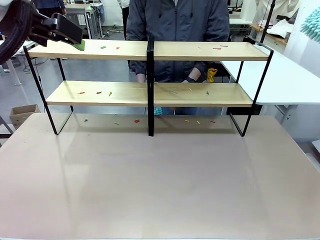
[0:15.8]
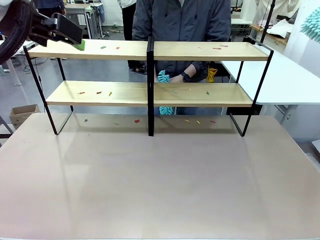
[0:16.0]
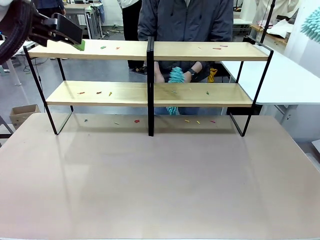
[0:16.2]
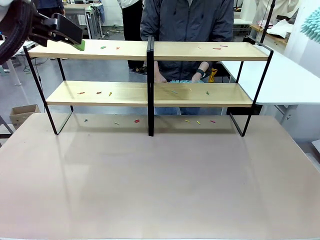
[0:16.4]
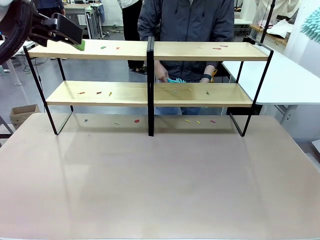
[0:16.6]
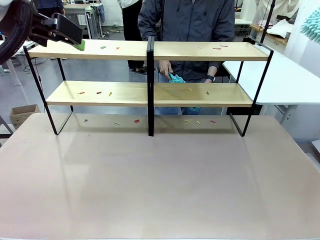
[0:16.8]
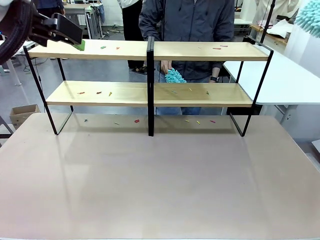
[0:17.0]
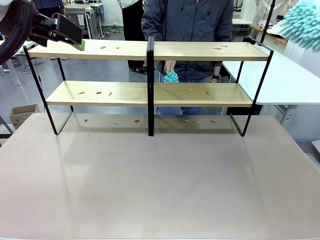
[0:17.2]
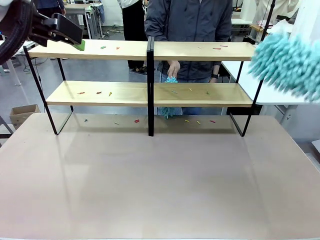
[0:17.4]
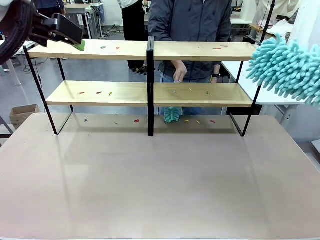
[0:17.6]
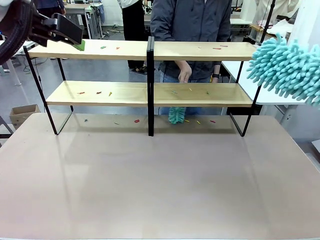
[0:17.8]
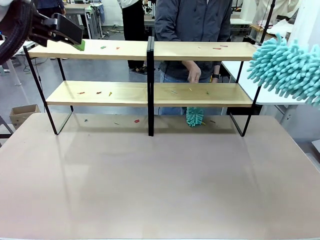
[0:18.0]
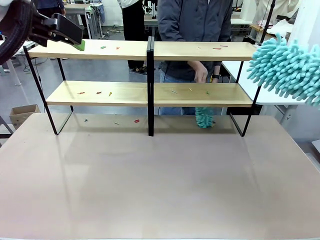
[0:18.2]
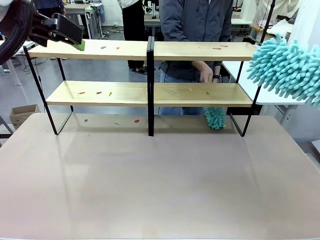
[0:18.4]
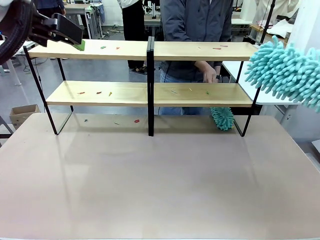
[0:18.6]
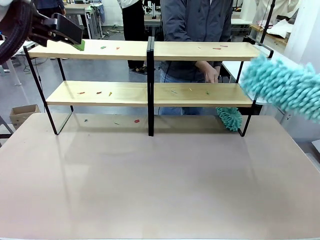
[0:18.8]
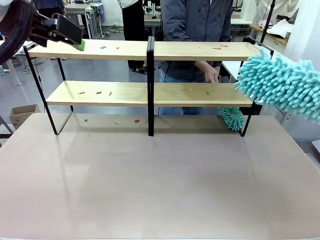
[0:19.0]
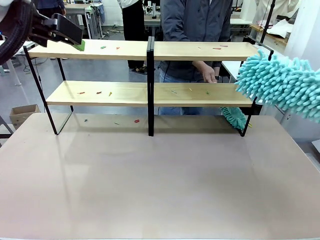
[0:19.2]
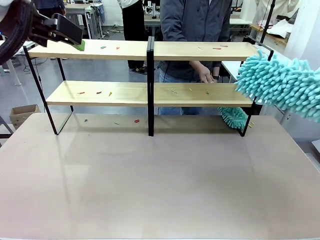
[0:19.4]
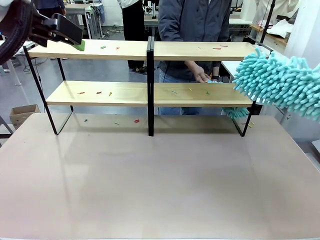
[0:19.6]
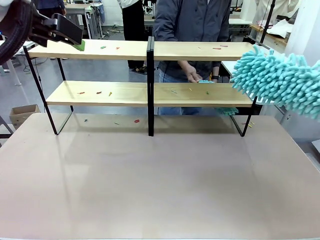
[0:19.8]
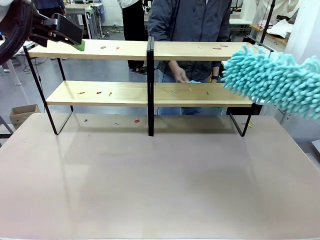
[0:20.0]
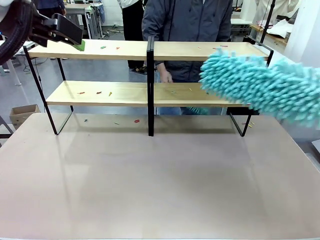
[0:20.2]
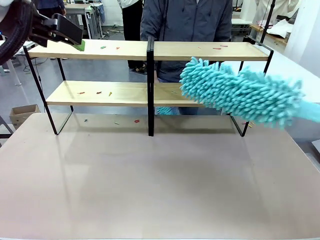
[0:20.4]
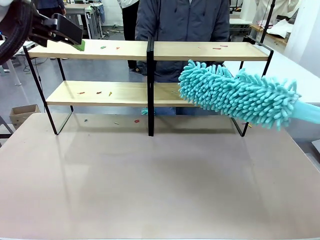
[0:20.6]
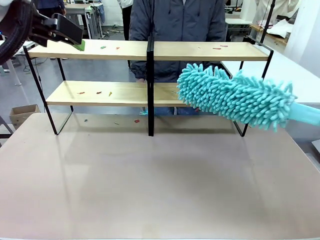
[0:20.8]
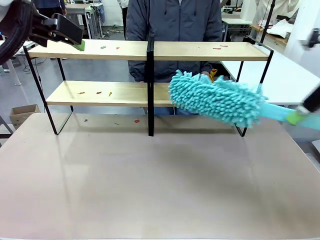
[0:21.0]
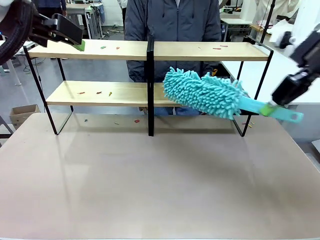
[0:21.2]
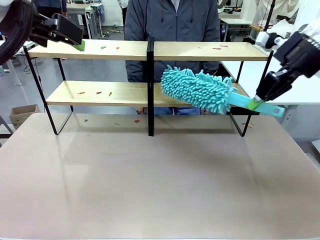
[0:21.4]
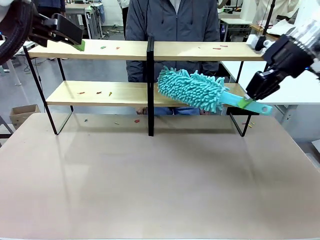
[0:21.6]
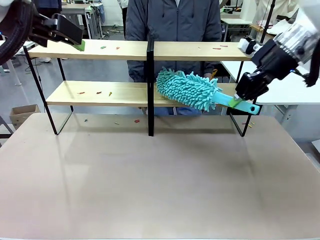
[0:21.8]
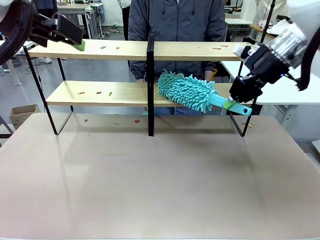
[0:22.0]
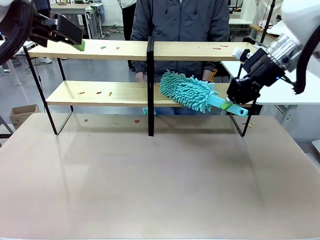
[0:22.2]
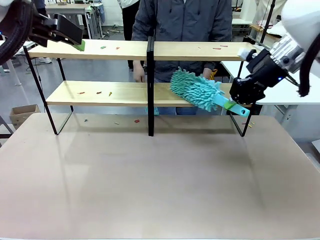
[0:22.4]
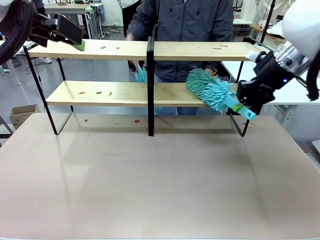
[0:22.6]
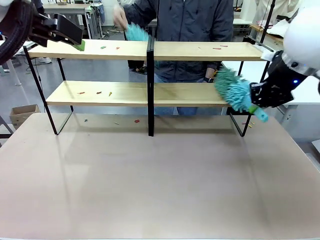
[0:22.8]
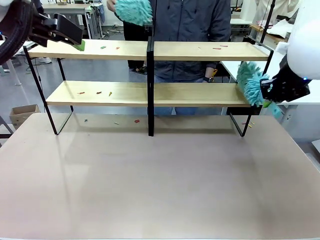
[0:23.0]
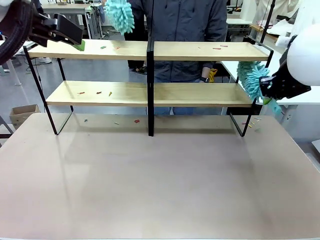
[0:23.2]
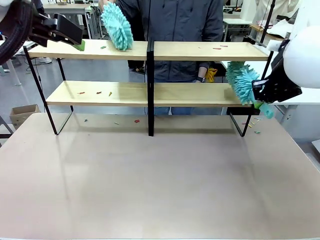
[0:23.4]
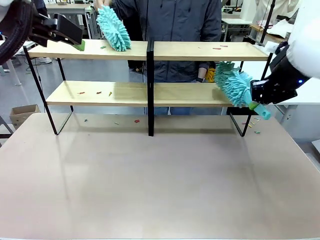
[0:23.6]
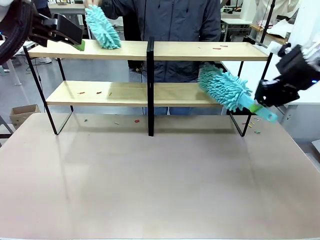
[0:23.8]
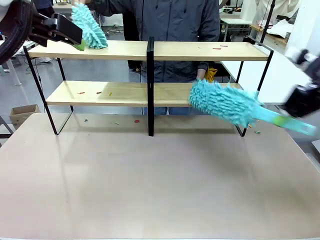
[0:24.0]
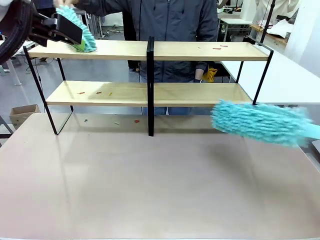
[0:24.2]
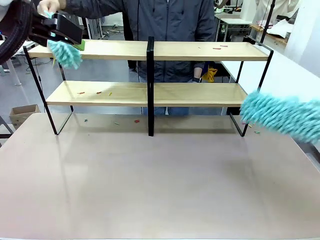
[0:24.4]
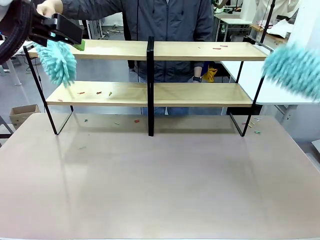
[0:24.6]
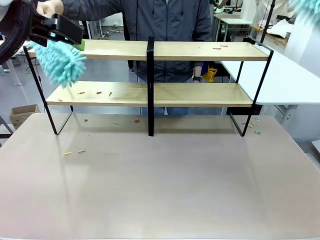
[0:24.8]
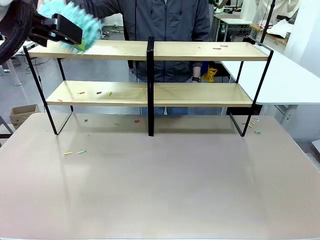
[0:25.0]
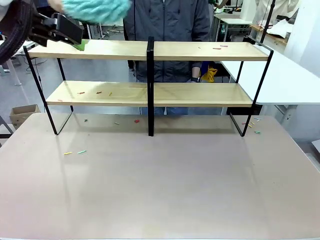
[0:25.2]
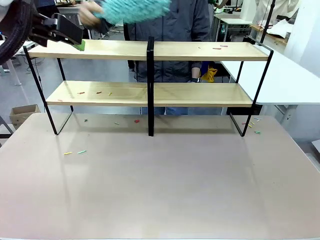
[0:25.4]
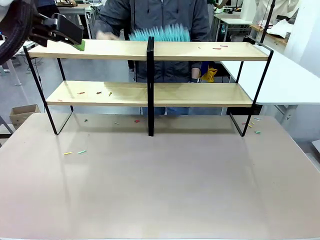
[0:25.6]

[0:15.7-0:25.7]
Task: Clean the shelves.
Robot: Clean a randomly selected level of the Shelf with the Duster.

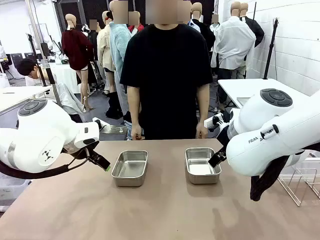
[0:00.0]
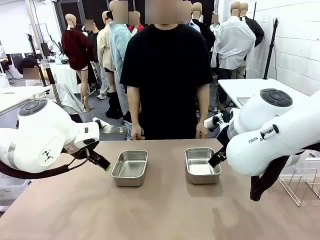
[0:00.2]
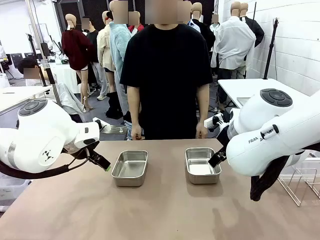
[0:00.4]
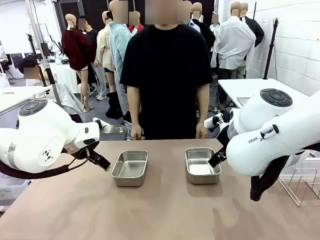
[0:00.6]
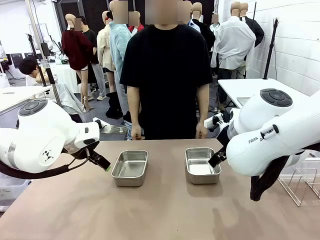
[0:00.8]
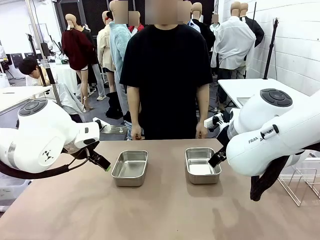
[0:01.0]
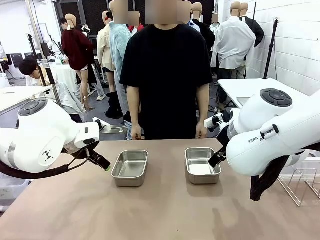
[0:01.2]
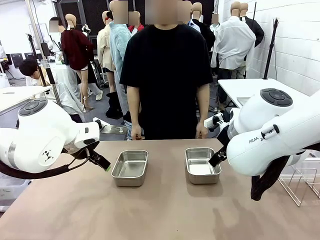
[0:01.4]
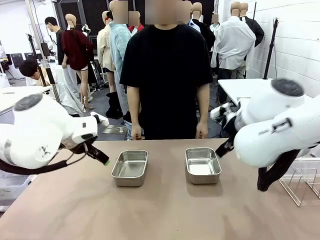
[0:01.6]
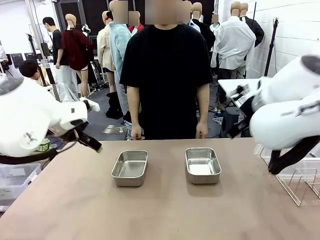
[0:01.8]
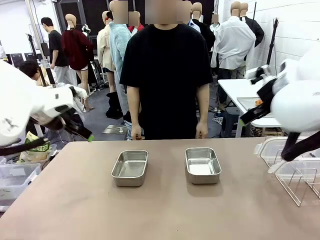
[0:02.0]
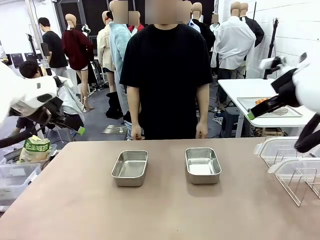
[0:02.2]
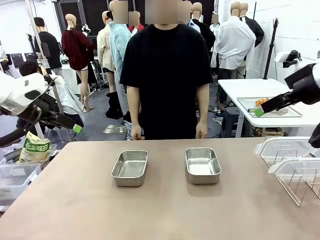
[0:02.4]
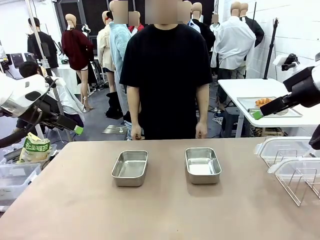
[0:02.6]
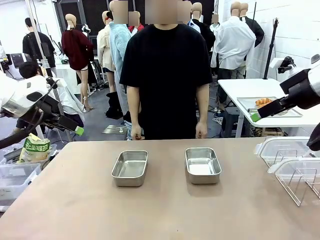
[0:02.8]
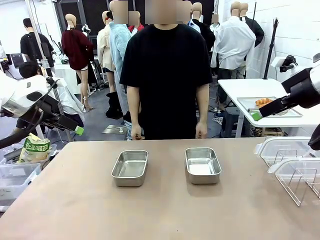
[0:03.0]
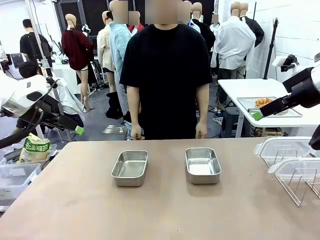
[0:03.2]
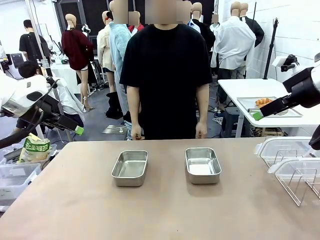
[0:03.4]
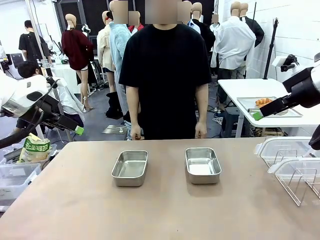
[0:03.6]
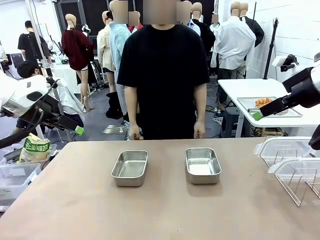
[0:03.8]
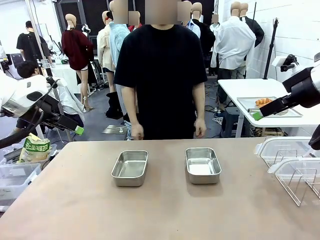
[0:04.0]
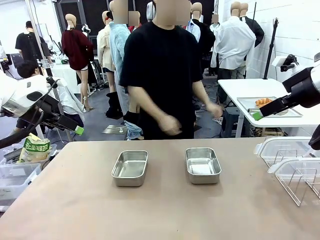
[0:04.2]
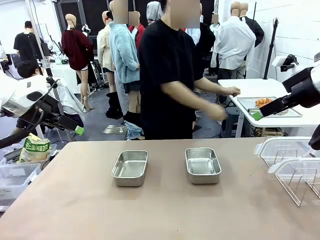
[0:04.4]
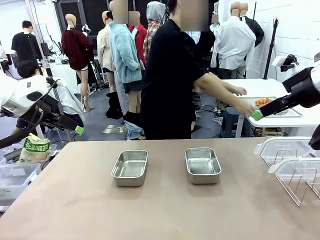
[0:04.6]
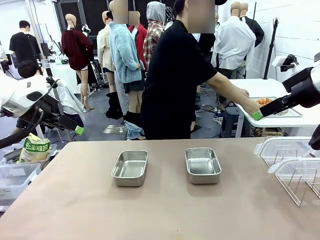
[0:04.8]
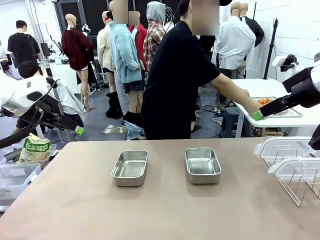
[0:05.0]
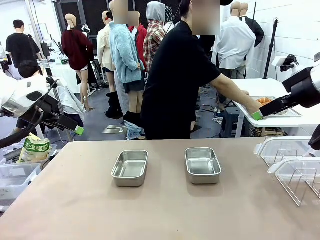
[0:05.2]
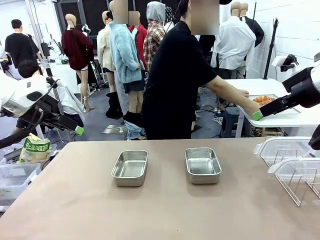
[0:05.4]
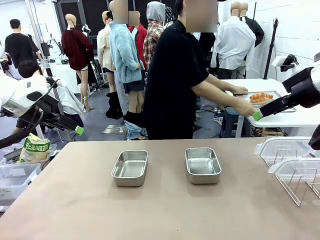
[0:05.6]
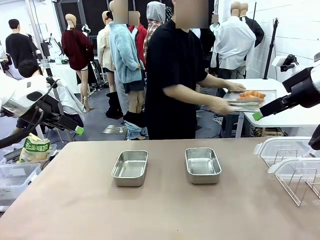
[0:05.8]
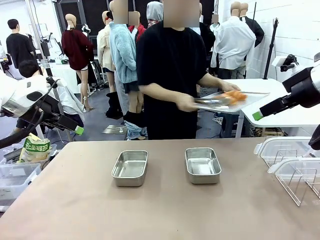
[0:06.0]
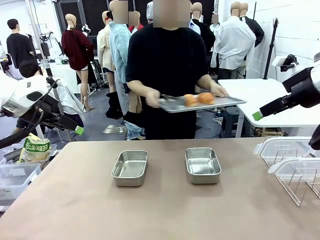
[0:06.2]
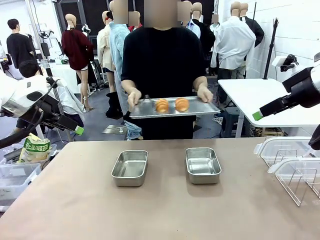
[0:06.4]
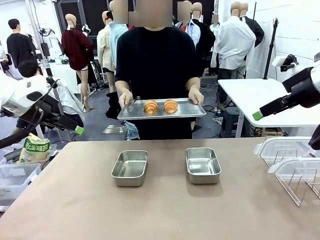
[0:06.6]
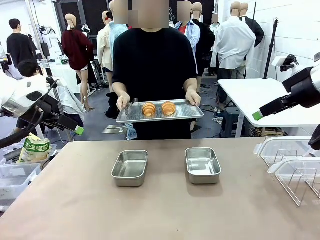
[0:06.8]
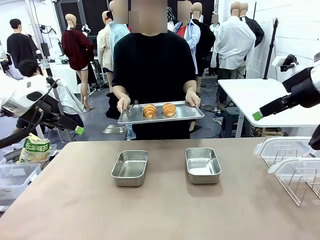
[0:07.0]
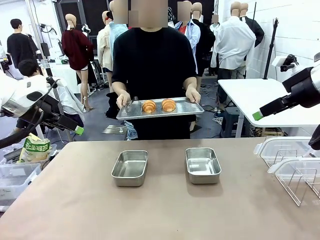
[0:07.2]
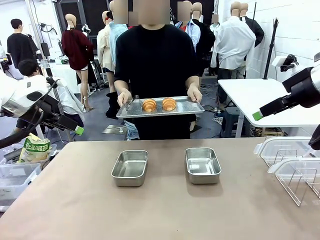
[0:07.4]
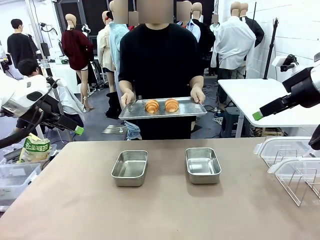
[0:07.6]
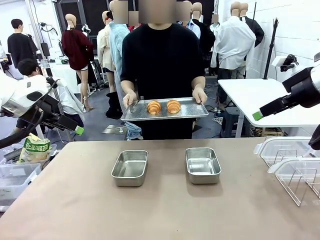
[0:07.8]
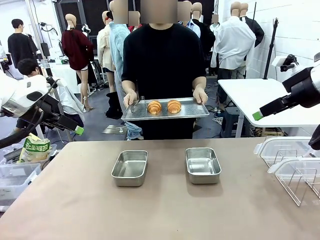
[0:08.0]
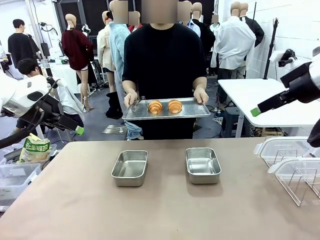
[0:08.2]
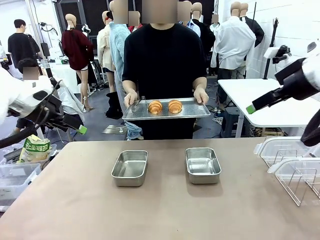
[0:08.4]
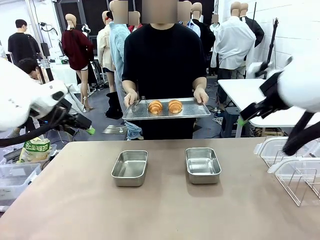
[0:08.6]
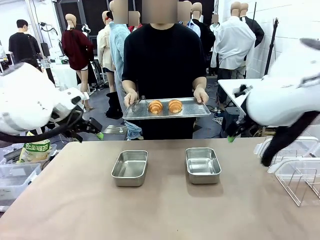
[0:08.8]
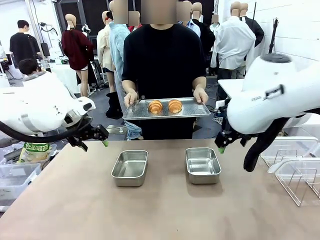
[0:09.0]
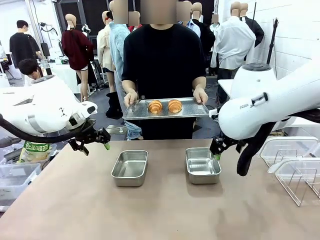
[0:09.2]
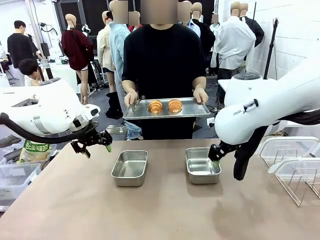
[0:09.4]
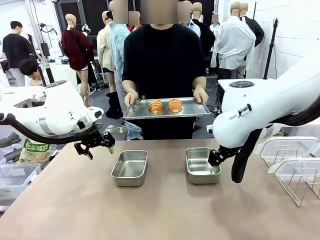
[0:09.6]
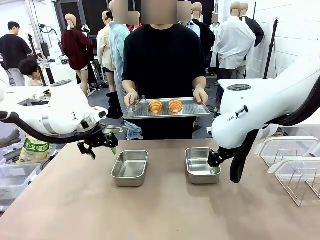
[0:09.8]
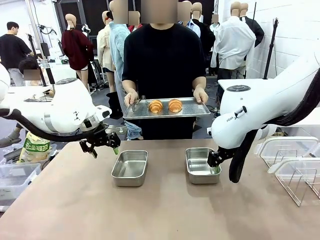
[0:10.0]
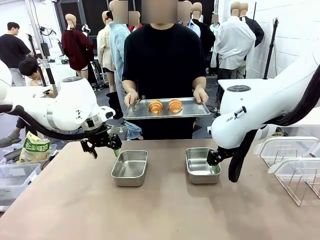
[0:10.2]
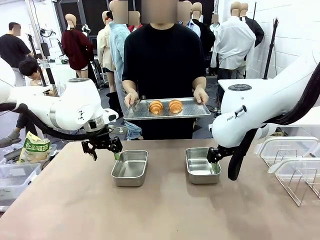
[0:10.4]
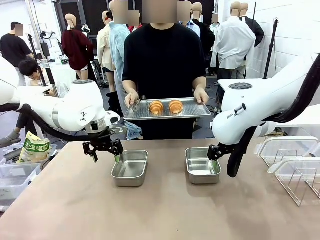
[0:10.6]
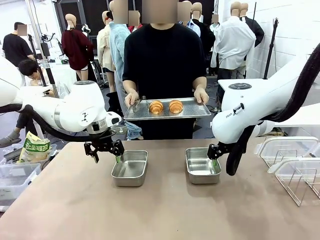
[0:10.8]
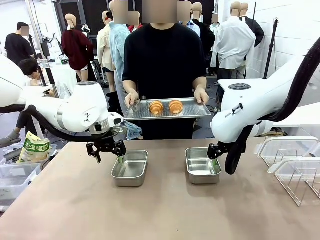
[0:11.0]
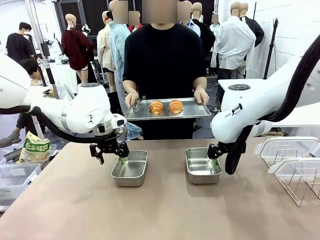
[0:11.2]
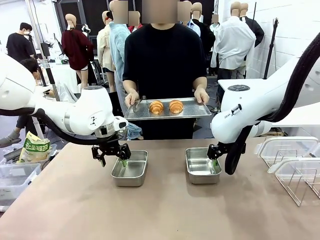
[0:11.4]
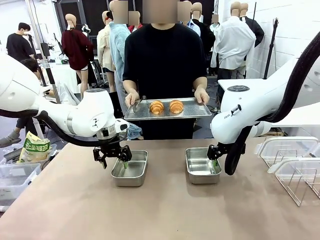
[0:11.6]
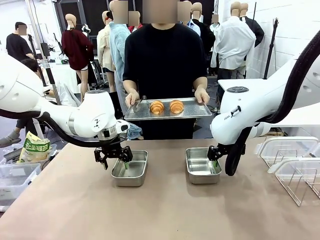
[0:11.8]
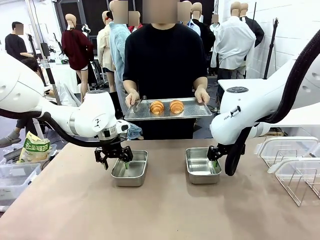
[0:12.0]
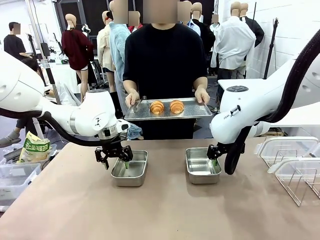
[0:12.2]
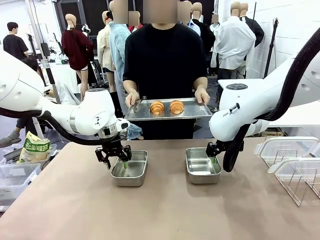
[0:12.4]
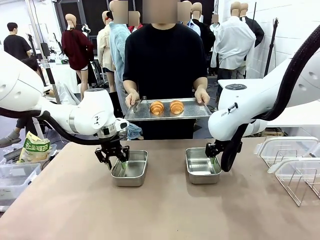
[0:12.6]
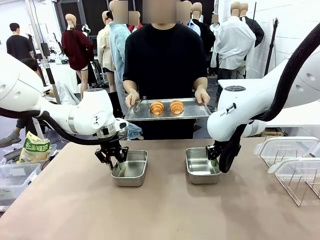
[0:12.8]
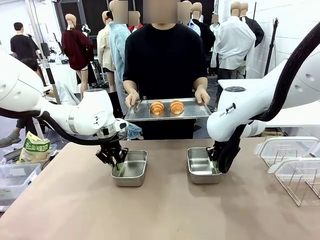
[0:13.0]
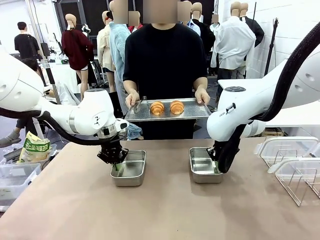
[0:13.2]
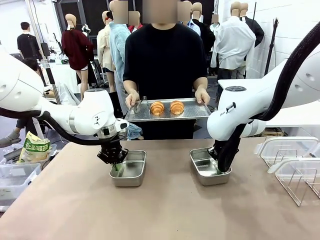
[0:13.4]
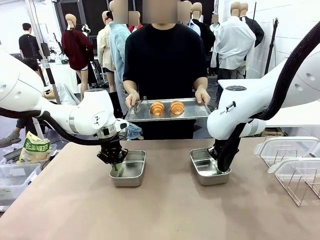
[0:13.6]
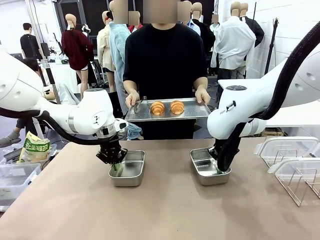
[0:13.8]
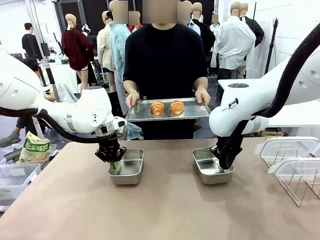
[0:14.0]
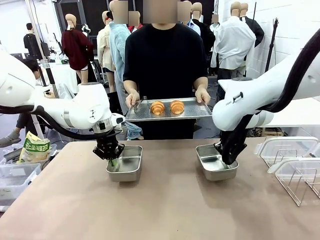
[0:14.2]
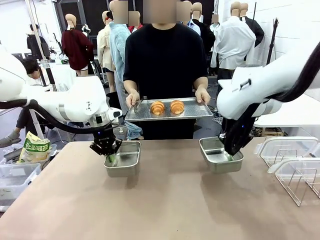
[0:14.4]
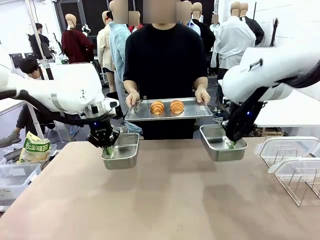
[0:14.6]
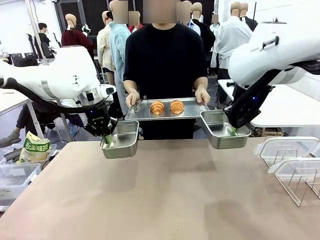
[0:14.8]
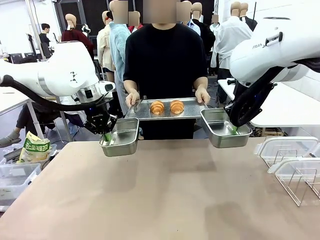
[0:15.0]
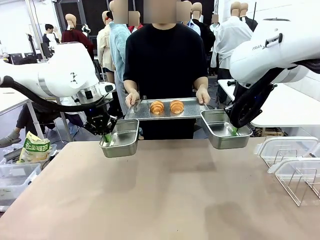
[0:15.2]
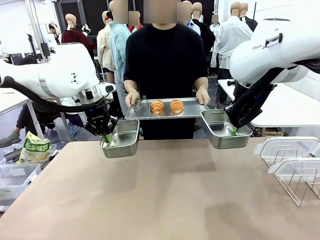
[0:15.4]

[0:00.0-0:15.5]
Task: Place the bread in airtight containers.
Robot: Lift both Airtight Container.
Person: Bring the Baking Sheet in front of Robot's Table.
